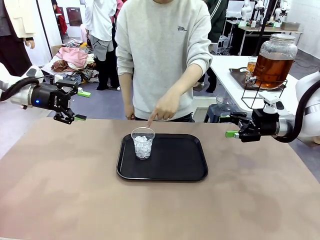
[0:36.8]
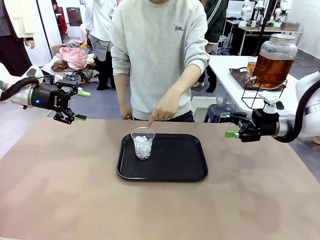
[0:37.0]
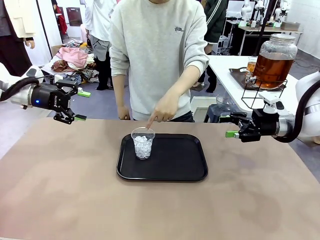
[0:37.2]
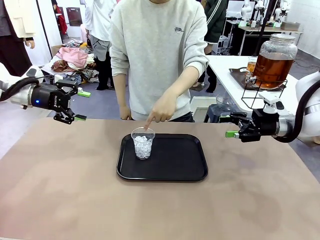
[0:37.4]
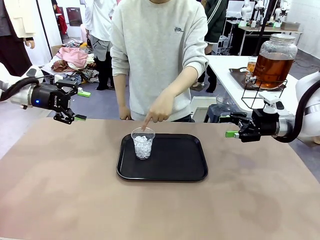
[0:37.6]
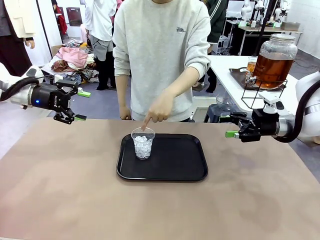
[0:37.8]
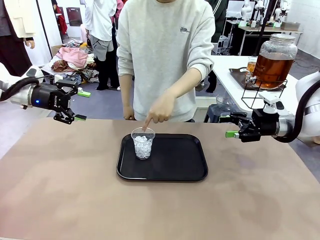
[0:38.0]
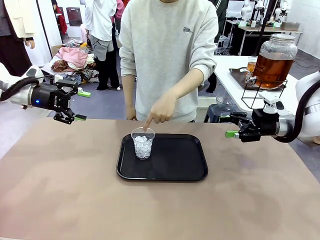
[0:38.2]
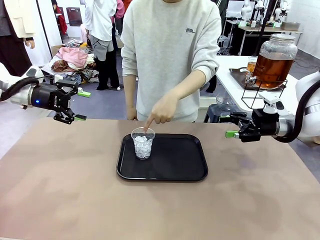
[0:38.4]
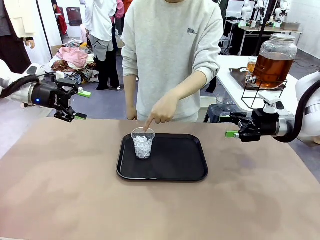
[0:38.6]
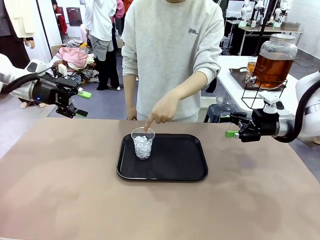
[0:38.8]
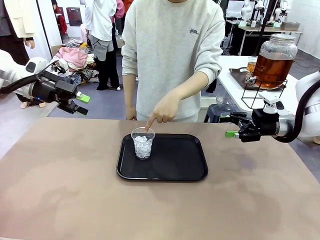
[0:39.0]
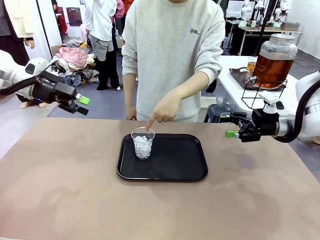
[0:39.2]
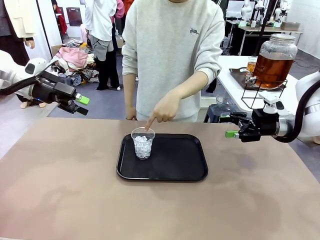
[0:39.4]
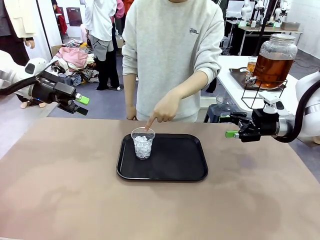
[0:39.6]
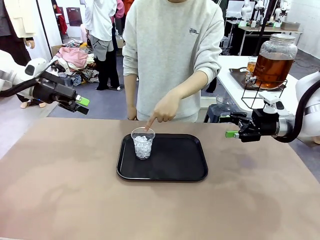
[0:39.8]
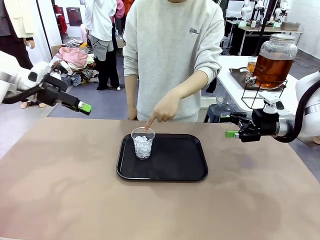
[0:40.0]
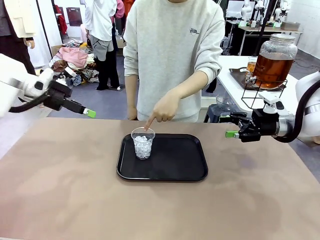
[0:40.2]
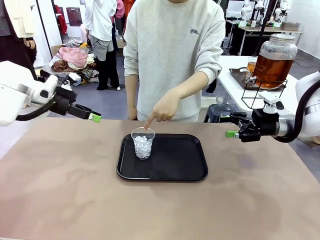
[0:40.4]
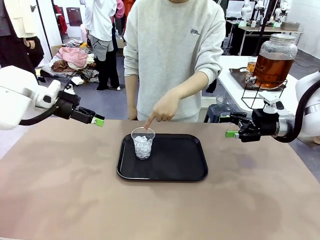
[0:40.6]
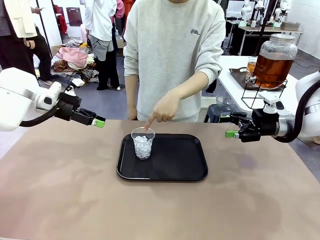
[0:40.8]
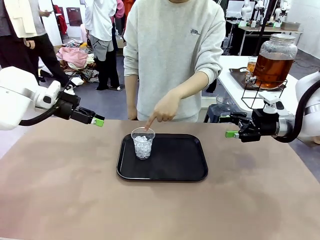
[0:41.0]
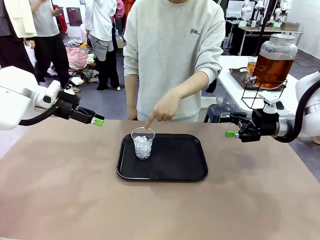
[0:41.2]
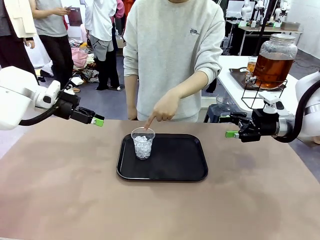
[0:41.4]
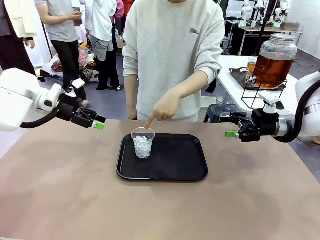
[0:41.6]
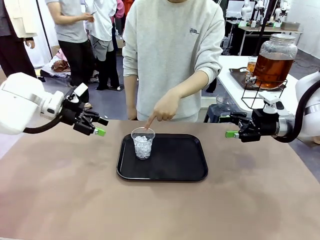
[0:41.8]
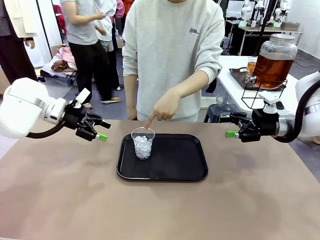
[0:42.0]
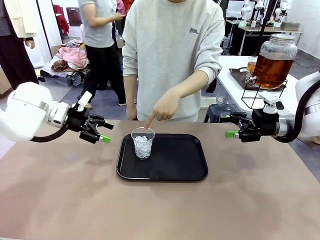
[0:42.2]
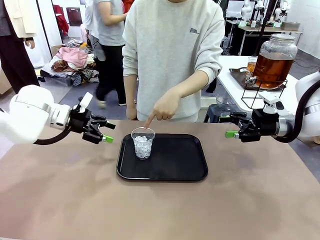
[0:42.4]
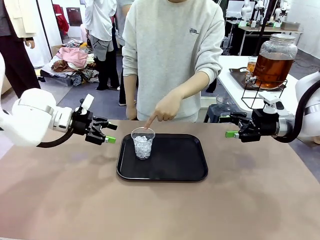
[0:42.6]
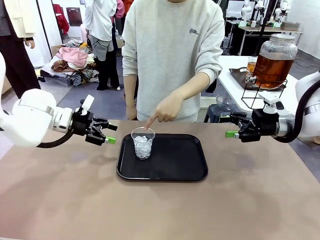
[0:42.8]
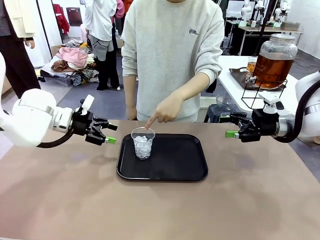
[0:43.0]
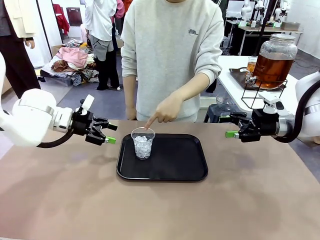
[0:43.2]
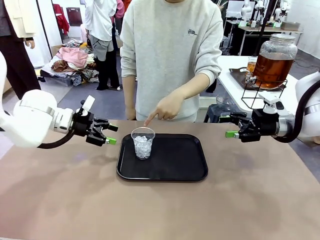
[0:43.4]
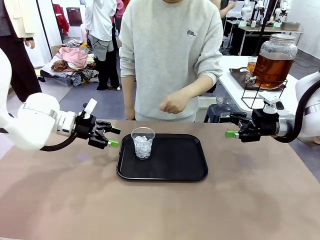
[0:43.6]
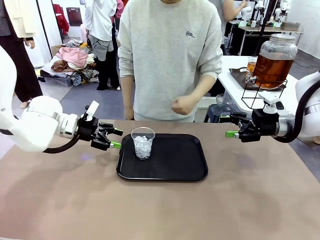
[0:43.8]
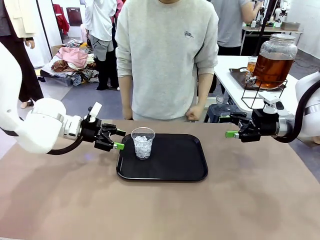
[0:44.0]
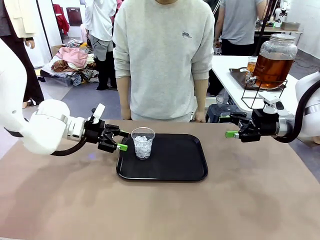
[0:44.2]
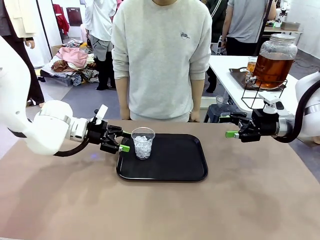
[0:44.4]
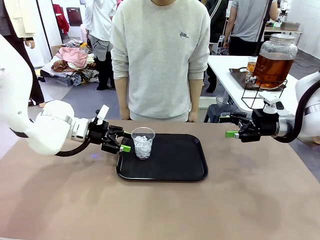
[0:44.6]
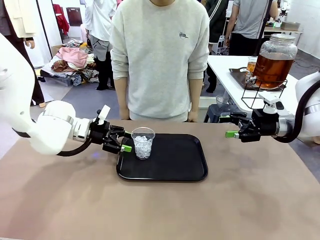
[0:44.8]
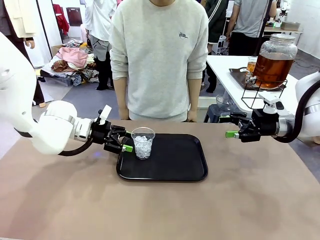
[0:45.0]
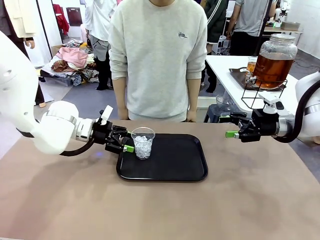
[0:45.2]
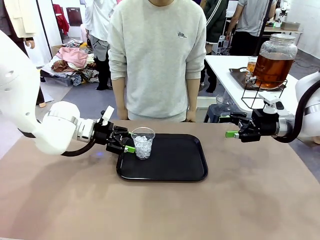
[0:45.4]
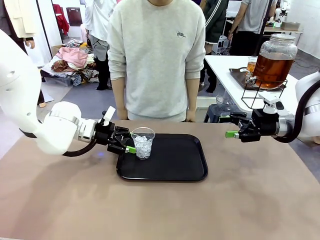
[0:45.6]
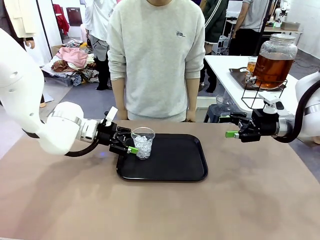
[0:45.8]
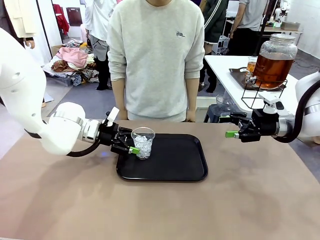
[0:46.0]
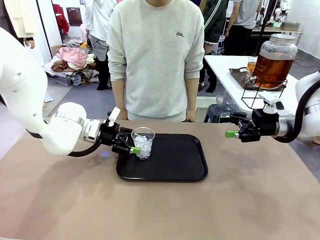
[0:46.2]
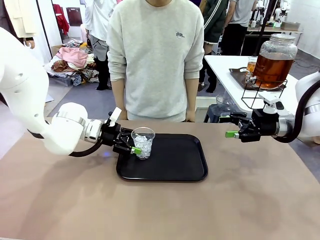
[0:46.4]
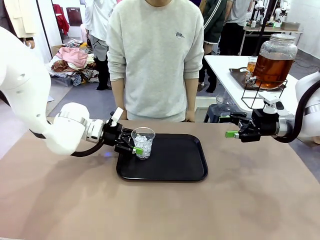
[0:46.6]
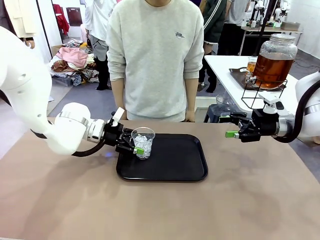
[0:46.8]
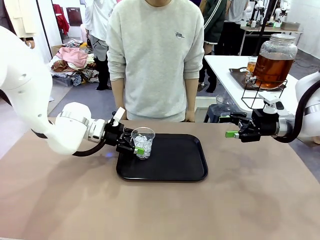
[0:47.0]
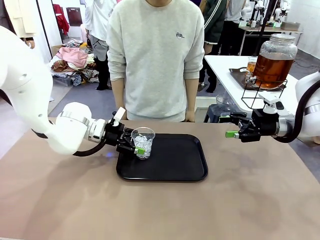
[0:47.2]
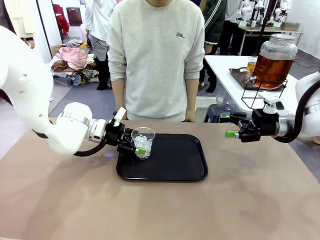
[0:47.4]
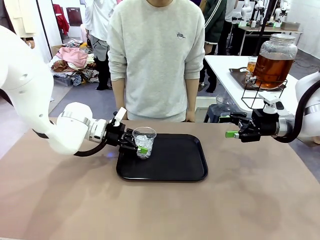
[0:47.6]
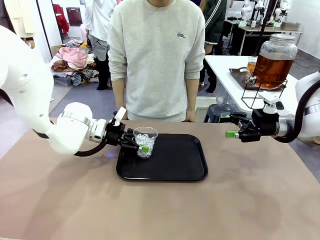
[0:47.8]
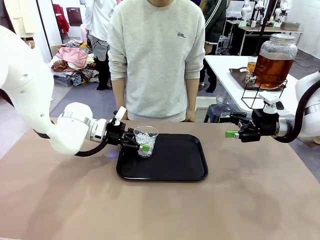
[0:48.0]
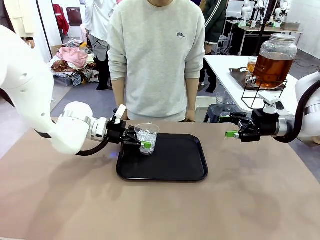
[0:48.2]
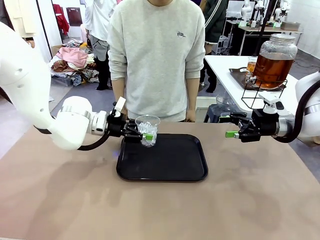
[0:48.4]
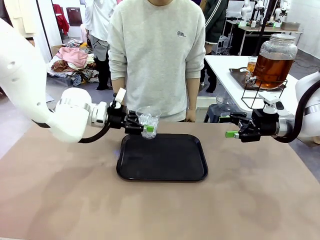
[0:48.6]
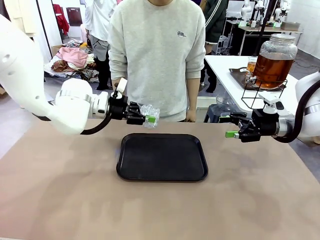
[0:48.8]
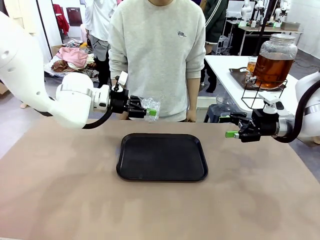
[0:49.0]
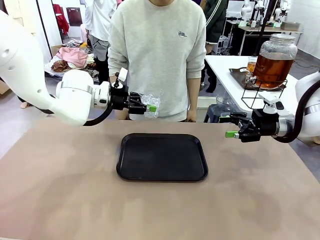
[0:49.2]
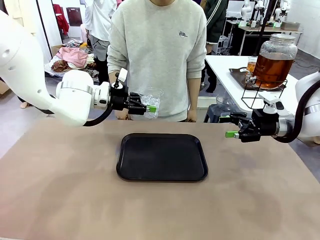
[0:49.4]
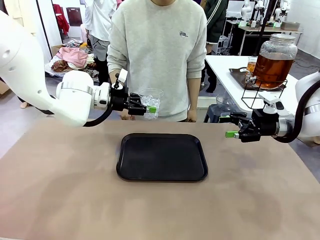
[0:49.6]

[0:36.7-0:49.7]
Task: Pour the drink into the iced cup.
Robot: Pick up the iced cup indicated by the human and present it to them.
Person: Pick up the cup offered by the robot.

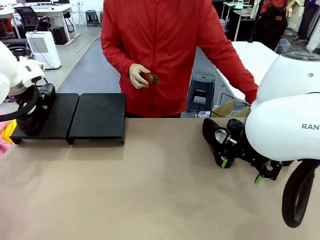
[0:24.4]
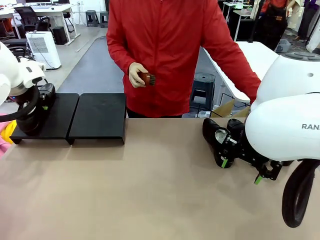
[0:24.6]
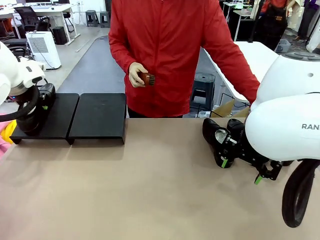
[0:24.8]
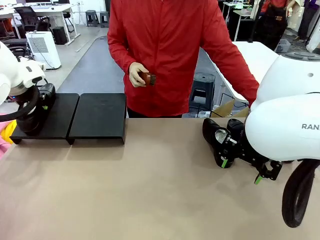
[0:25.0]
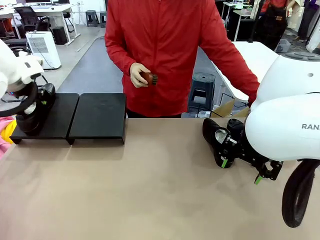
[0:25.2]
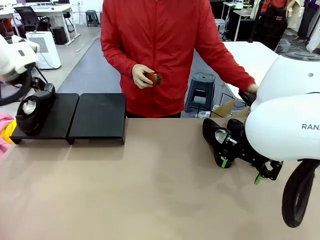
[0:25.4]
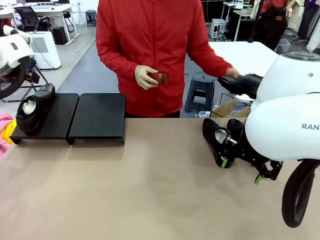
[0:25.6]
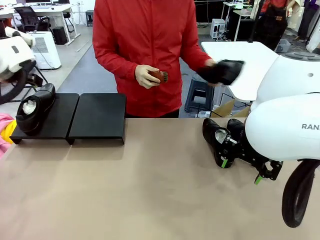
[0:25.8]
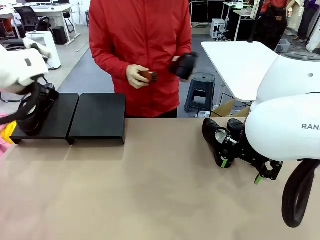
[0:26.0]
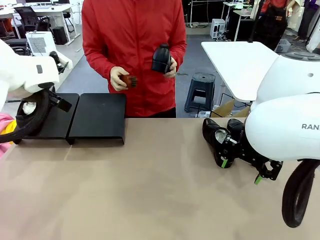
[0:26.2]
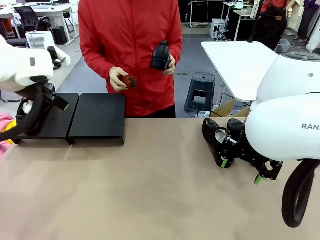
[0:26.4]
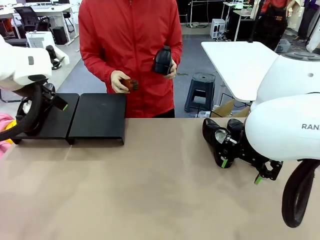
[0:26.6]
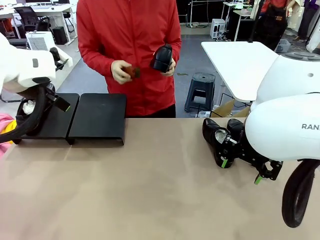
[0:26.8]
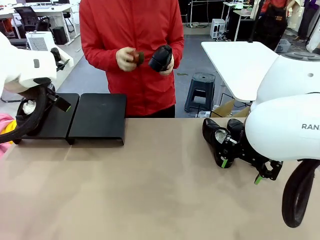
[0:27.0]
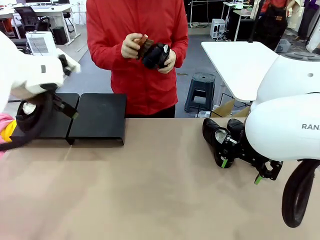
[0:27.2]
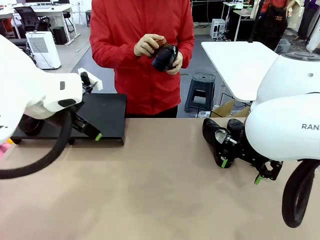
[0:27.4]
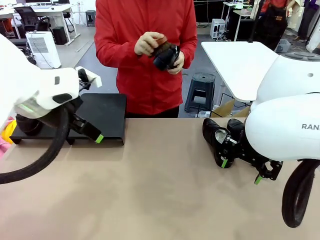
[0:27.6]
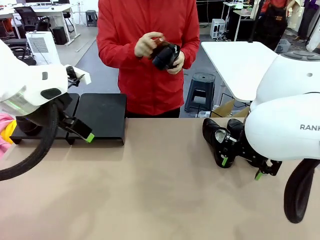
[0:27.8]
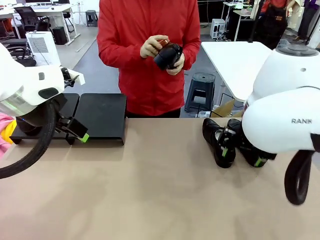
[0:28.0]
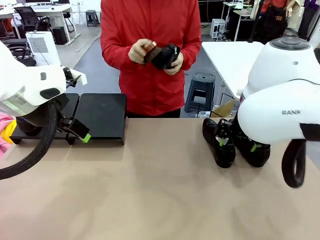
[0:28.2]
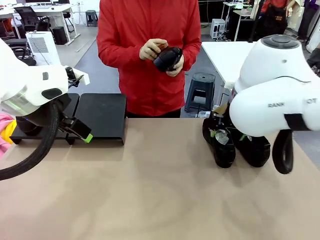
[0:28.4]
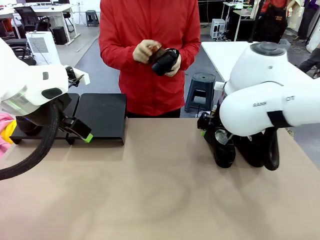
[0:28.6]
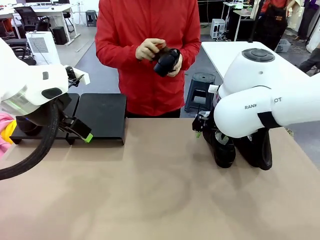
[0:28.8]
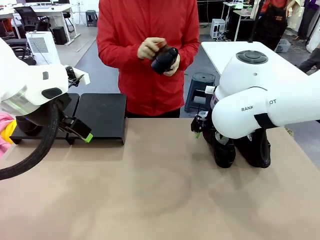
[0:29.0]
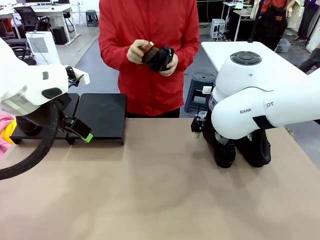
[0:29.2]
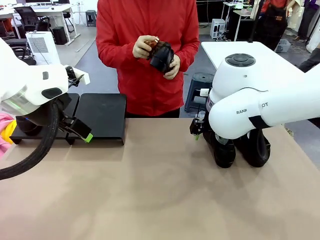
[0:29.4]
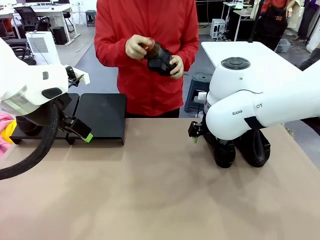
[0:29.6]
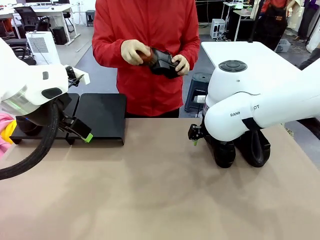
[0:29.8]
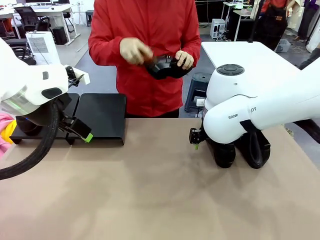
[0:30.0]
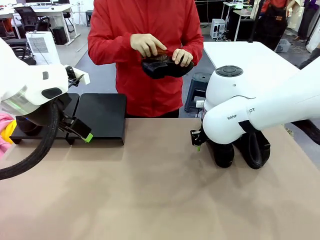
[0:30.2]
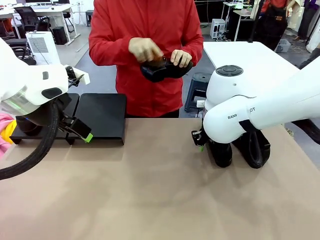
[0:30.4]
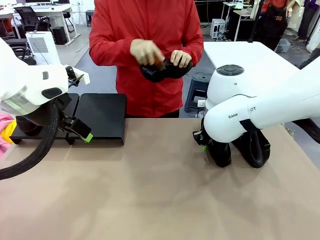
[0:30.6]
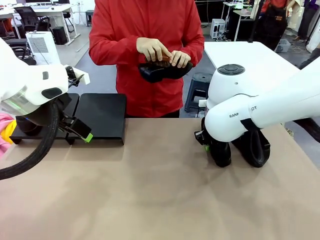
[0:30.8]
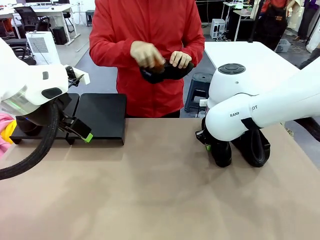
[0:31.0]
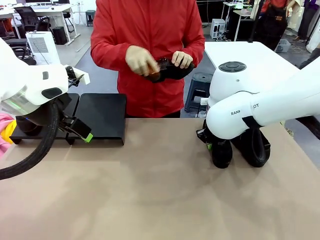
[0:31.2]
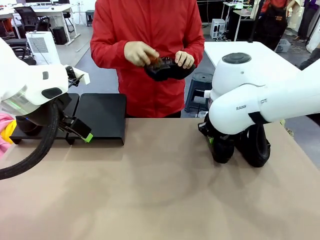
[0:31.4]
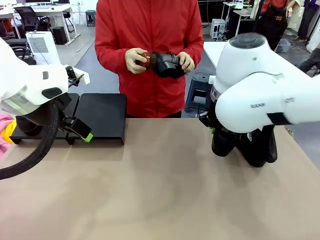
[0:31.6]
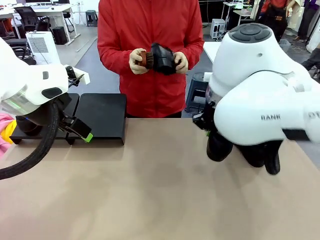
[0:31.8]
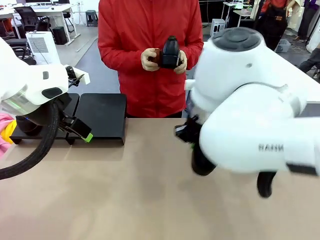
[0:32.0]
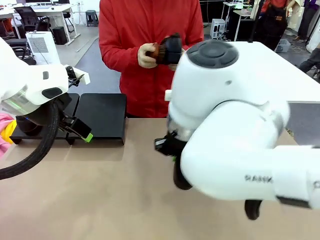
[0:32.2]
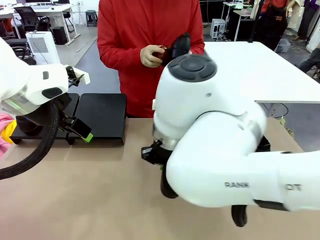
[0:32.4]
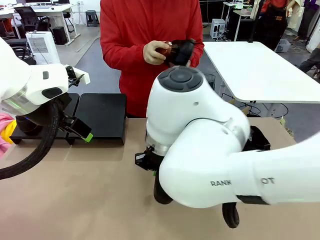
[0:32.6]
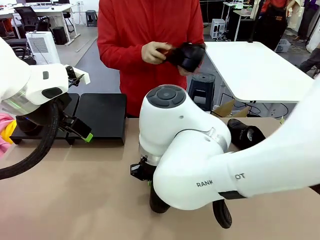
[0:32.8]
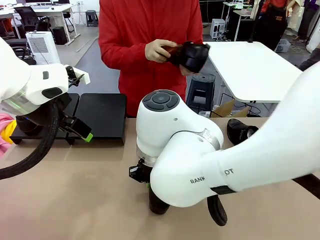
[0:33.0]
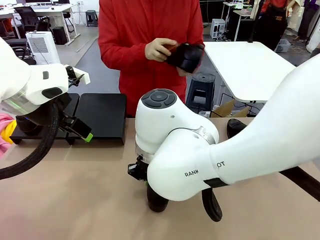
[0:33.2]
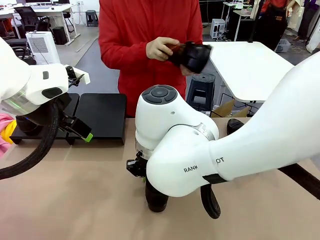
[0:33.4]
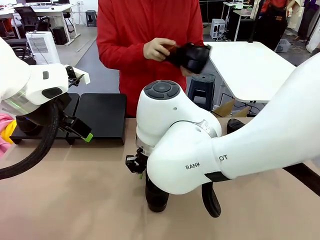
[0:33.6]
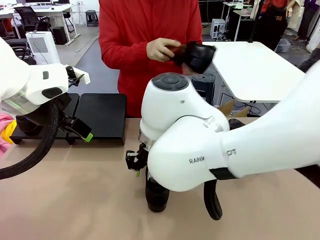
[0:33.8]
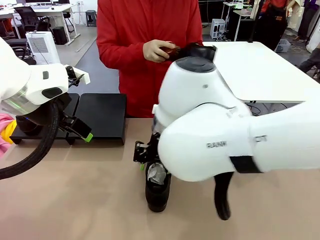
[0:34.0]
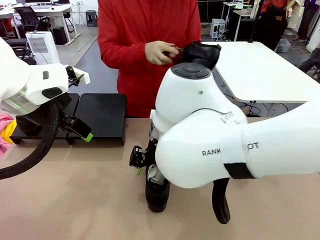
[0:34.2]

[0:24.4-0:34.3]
Task: Organize the shoes by placing them on the stand.
Robot: Pick up one Shoe and place it in the middle of the table.
Person: Pick one Shoe on Robot's table.
